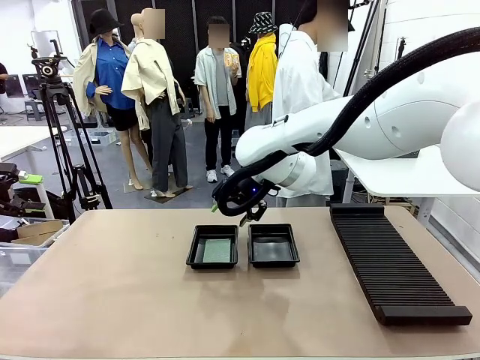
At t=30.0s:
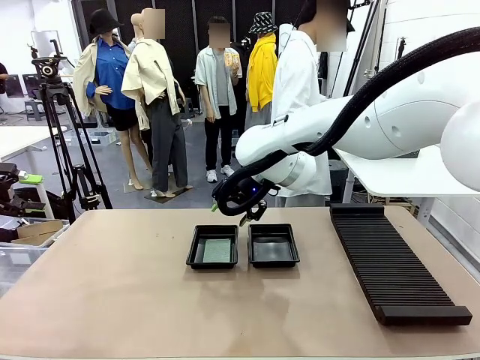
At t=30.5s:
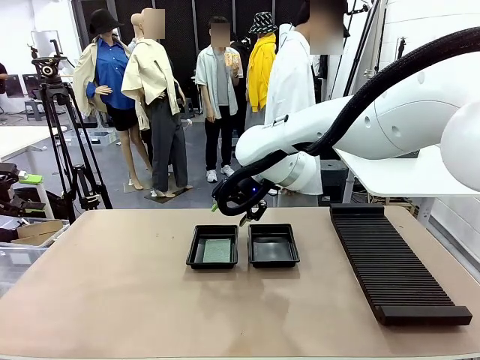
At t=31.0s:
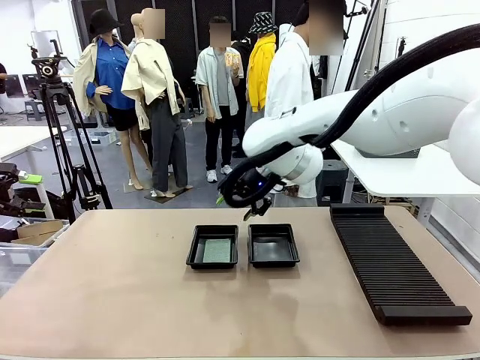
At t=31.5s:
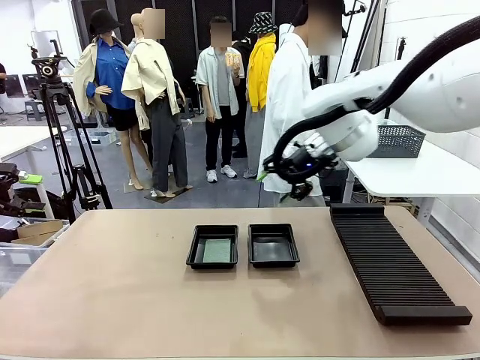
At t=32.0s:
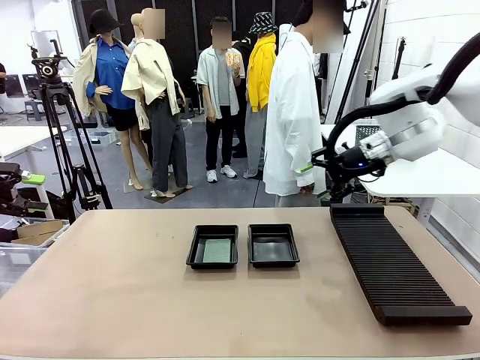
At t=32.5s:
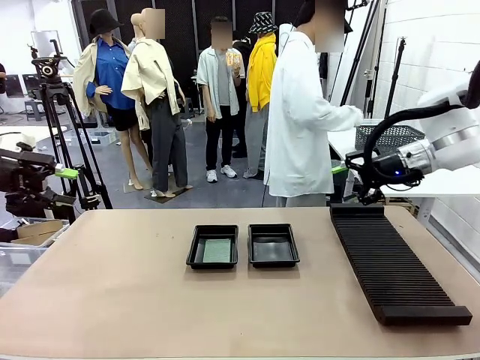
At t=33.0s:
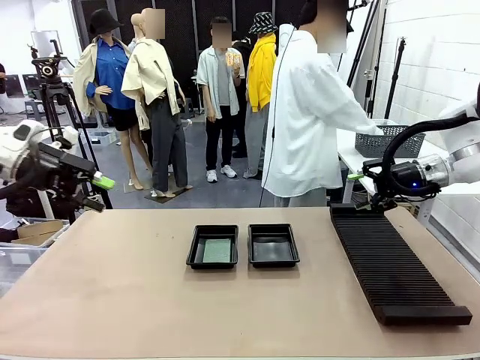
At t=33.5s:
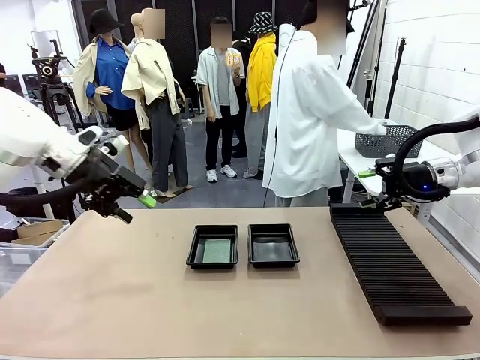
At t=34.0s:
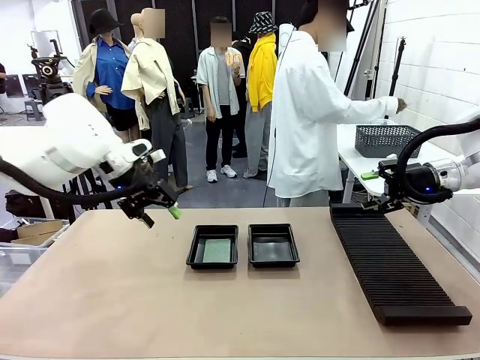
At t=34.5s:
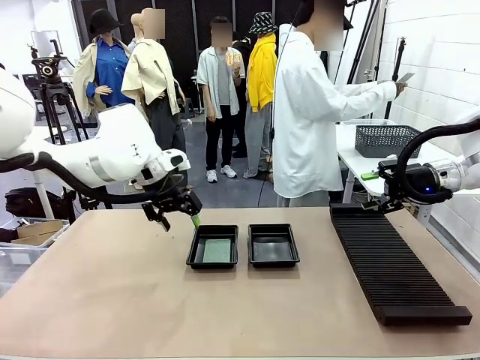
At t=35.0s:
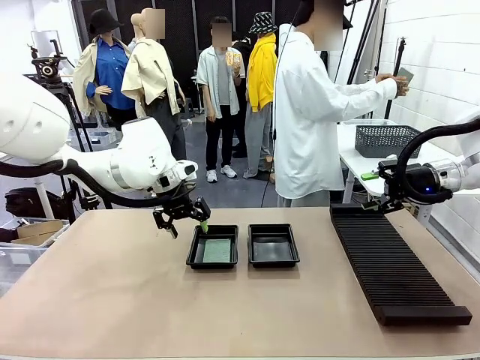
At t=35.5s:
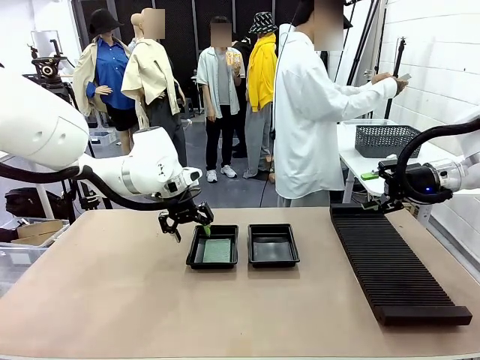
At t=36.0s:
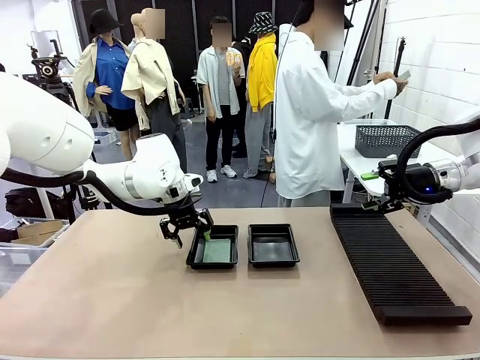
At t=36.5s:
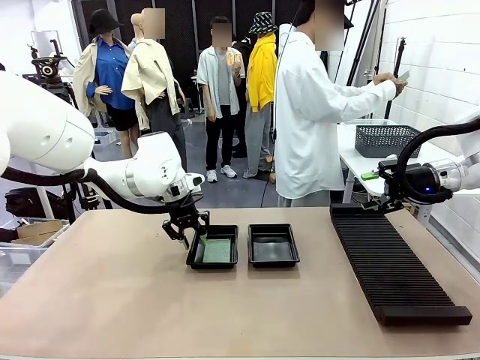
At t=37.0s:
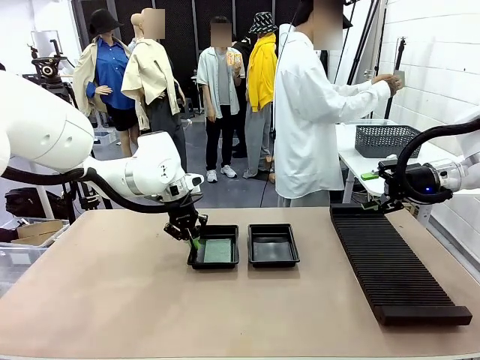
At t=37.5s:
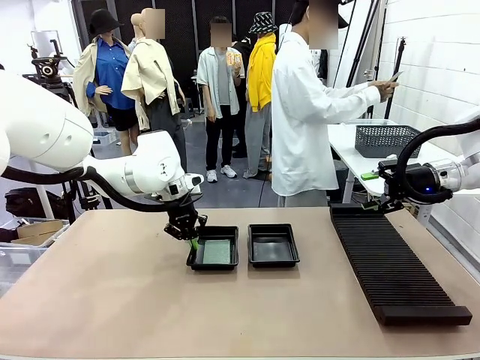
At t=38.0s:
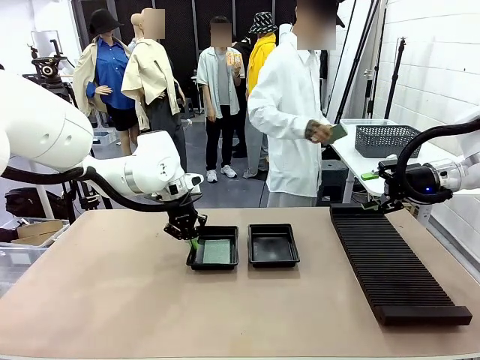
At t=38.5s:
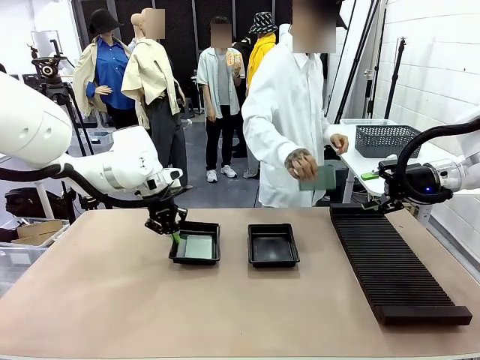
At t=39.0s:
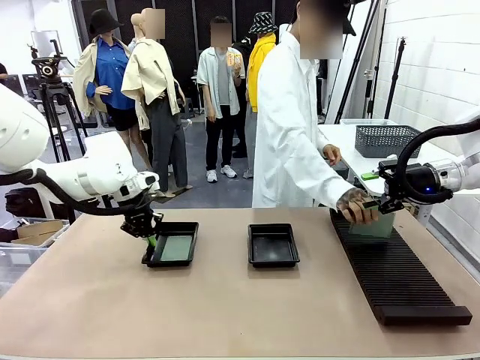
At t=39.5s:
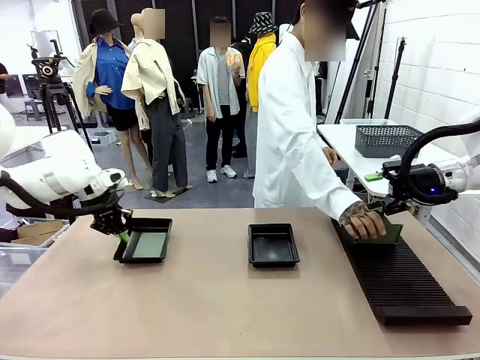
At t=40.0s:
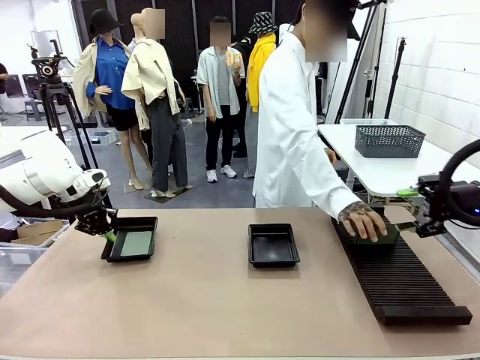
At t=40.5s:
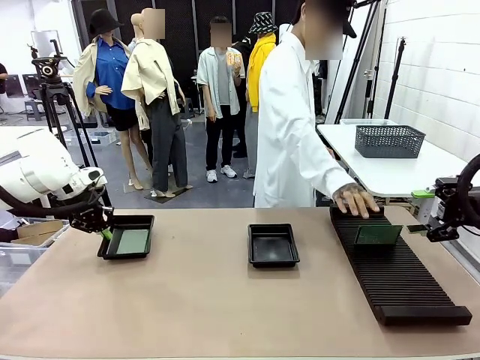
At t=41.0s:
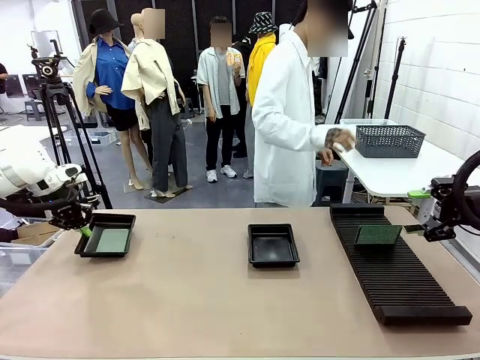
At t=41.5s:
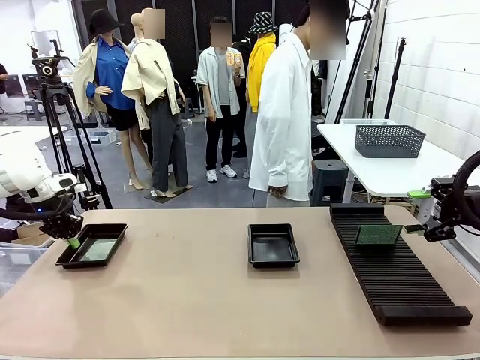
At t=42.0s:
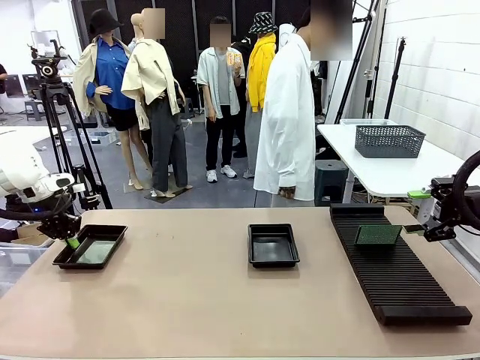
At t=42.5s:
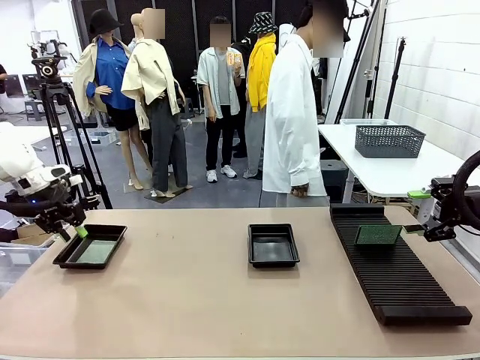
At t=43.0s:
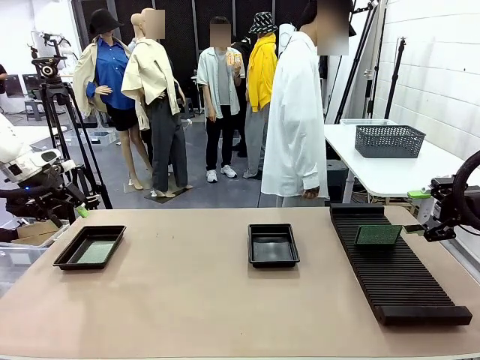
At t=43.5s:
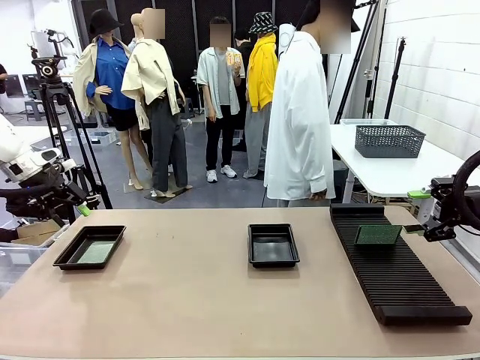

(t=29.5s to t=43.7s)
Task: Inspect and transfer BCBs to ESD trays.
Robot: Pick up the ESD tray and place it on the left side of the table.

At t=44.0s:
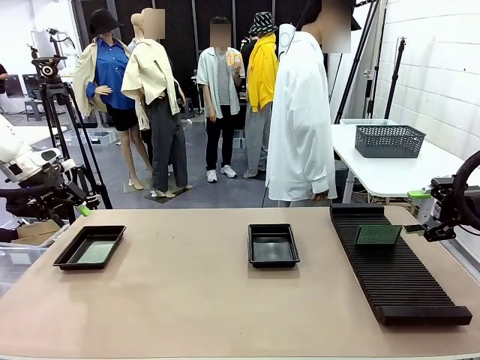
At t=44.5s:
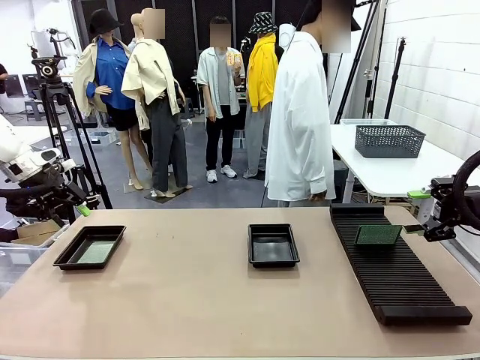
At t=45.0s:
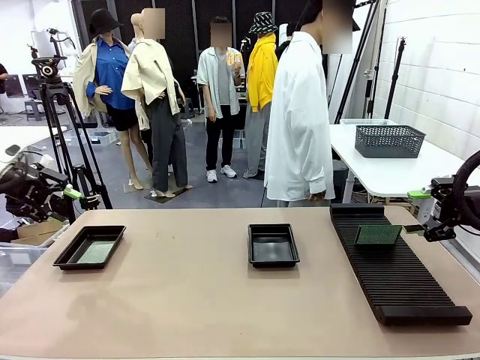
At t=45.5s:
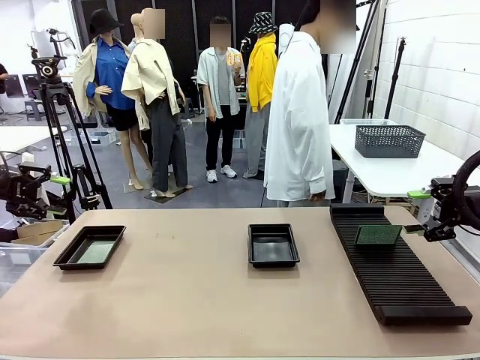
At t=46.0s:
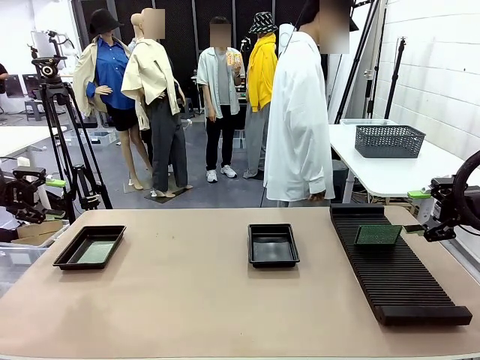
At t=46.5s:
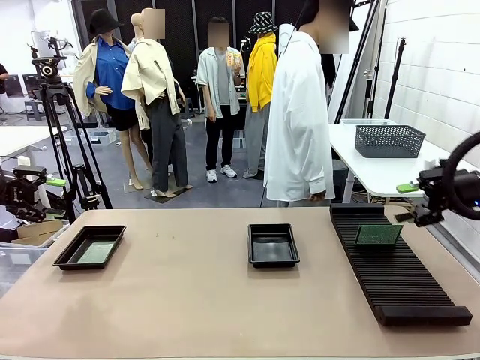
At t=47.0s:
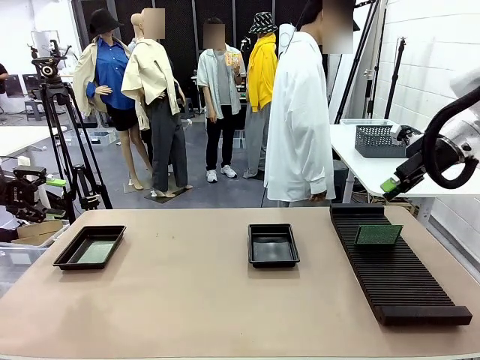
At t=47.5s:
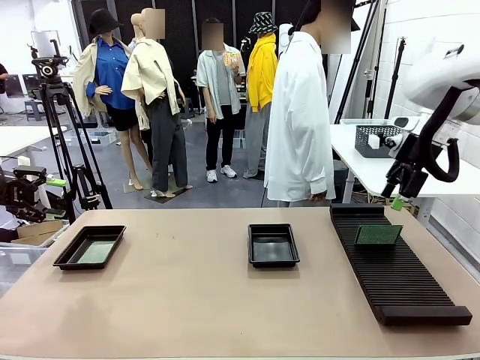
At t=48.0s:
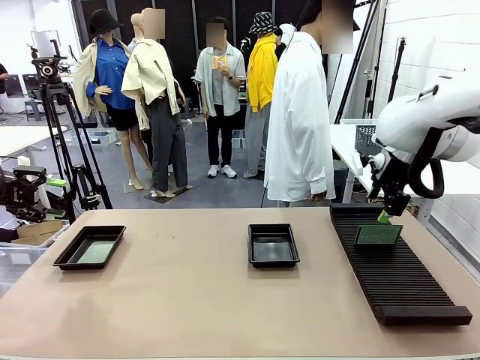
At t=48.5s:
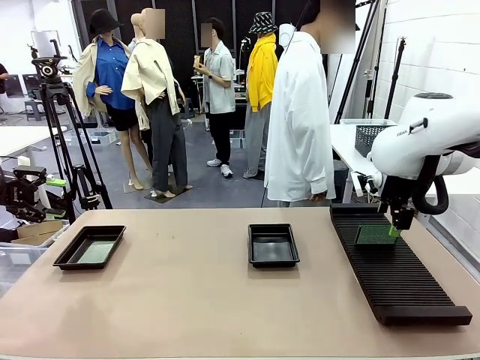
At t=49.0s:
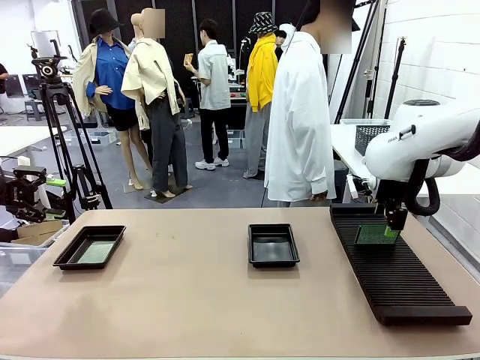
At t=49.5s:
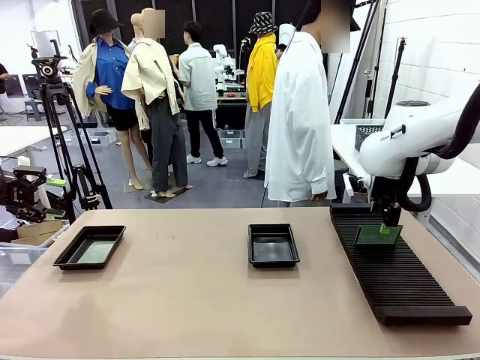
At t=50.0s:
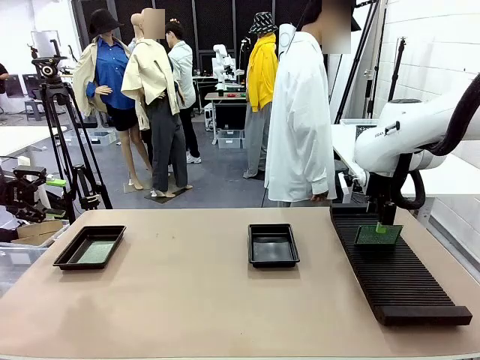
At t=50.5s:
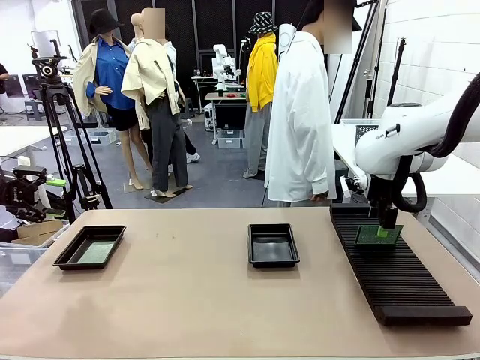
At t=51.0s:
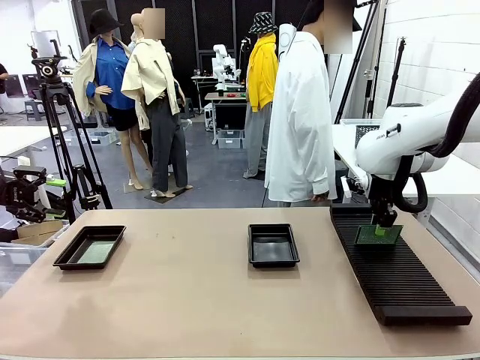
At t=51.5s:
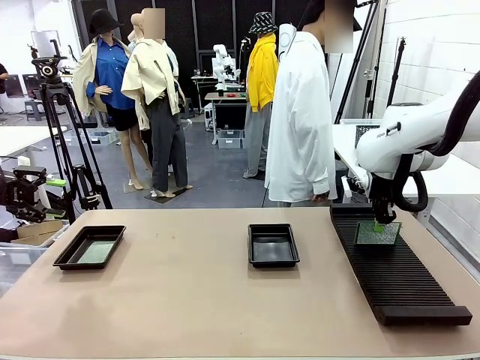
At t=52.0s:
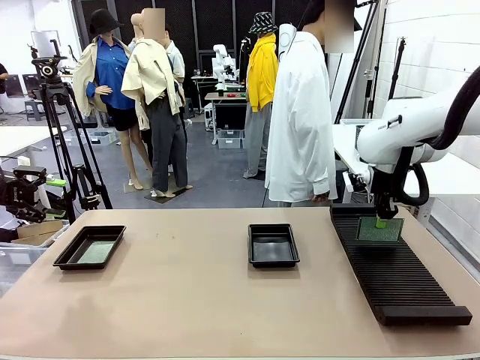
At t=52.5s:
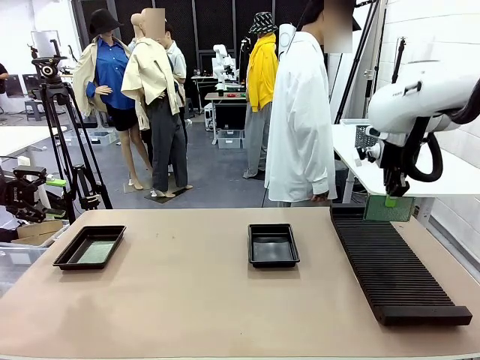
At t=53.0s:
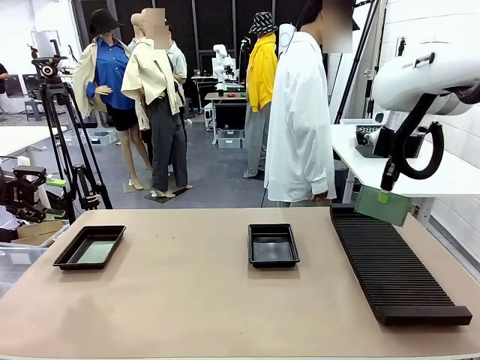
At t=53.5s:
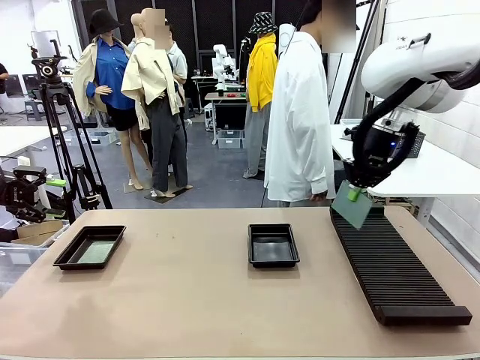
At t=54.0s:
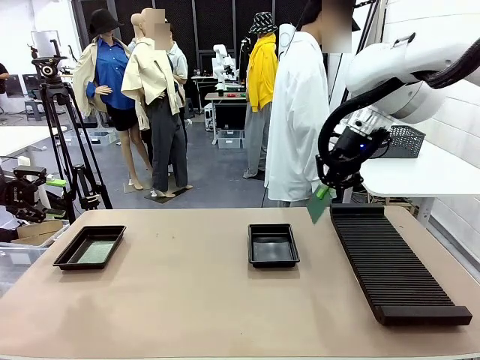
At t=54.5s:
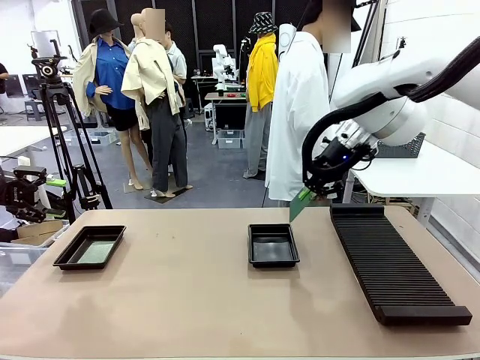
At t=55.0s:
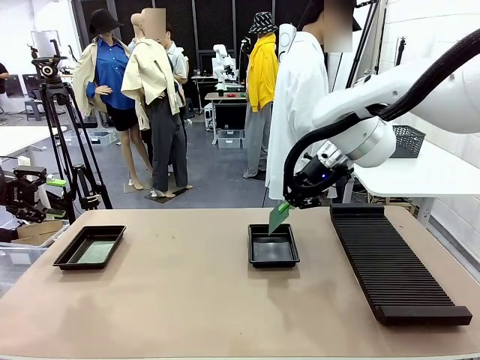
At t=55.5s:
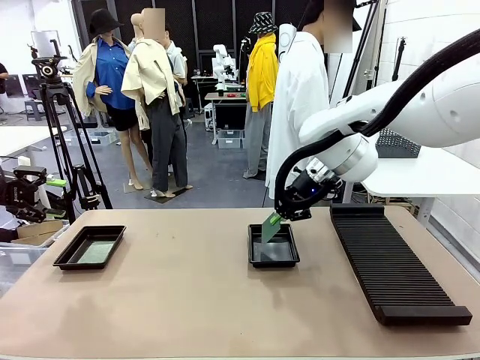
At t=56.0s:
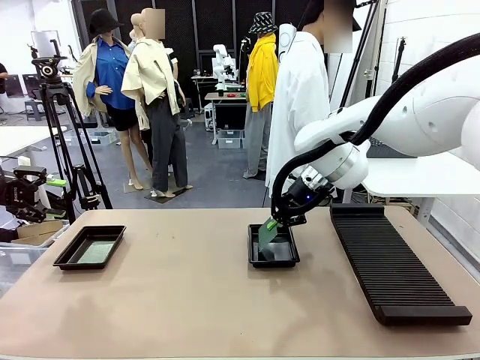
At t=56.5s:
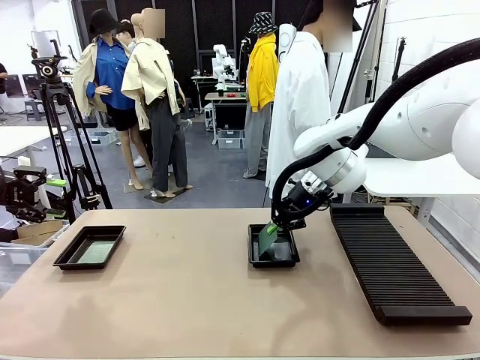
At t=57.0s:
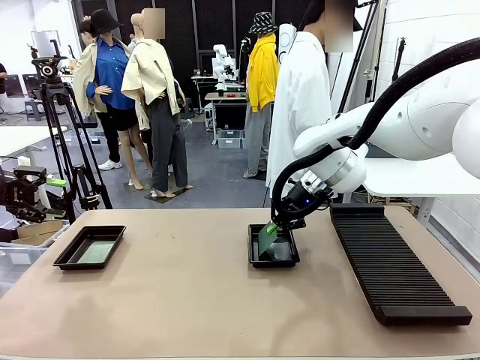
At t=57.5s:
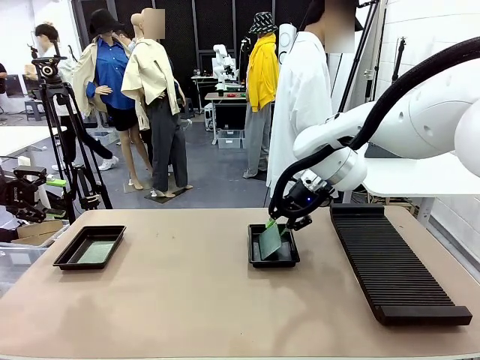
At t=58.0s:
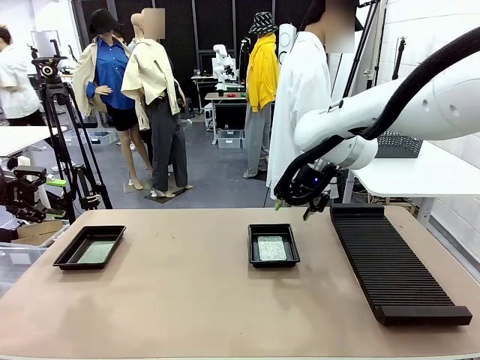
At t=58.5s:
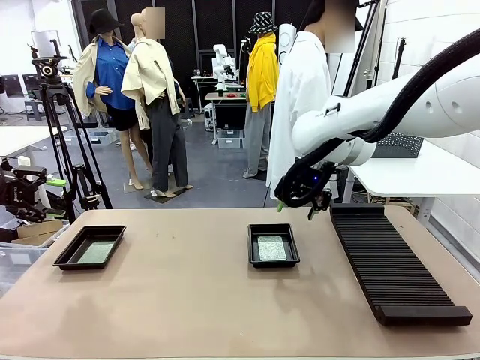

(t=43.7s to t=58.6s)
Robot: Pick up the Blank PCB from the PCB Rack and place it in the right ESD tray.
